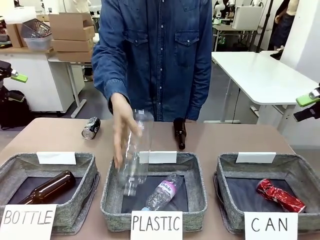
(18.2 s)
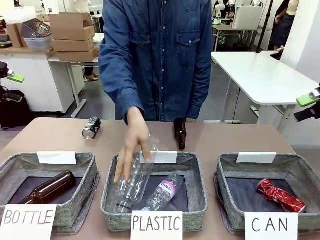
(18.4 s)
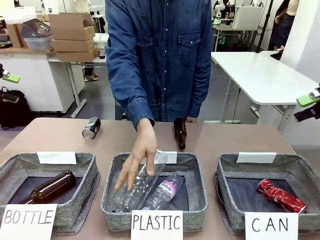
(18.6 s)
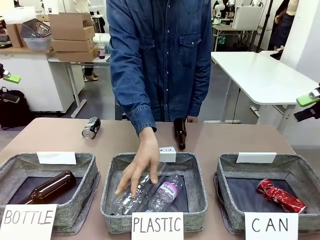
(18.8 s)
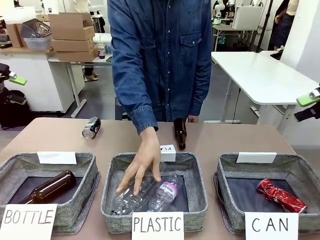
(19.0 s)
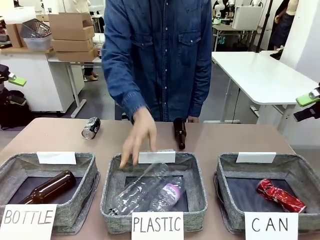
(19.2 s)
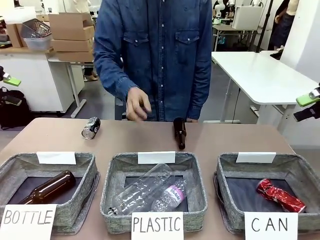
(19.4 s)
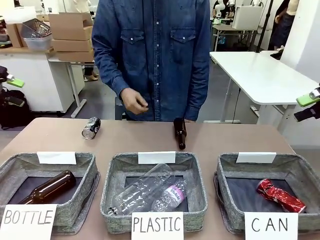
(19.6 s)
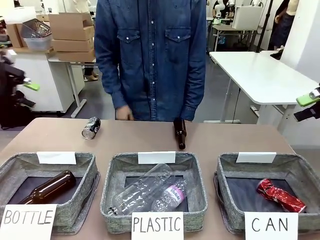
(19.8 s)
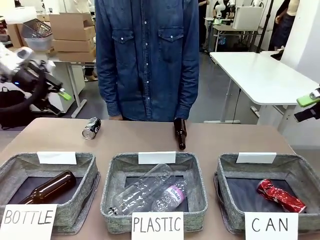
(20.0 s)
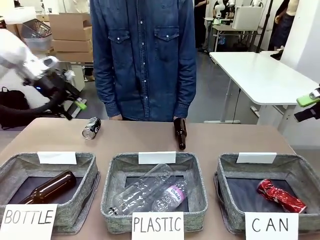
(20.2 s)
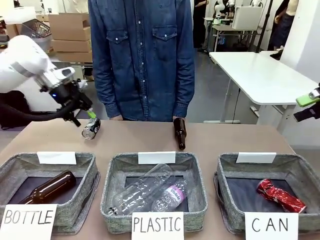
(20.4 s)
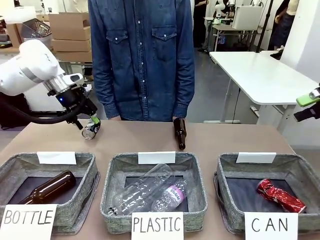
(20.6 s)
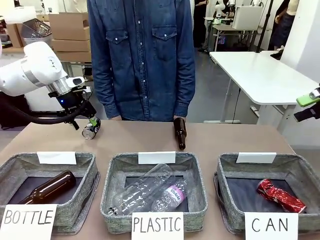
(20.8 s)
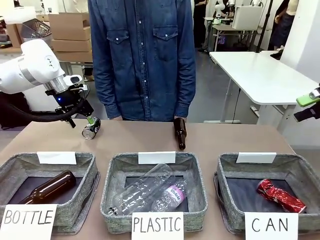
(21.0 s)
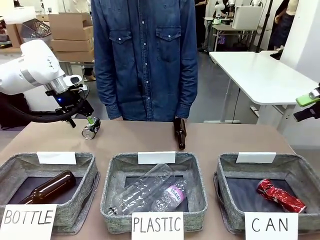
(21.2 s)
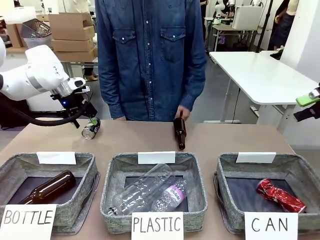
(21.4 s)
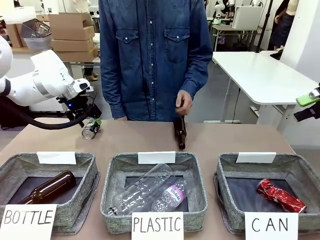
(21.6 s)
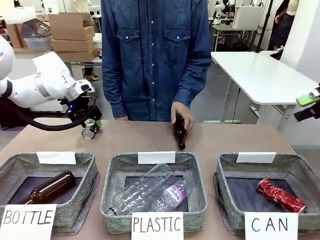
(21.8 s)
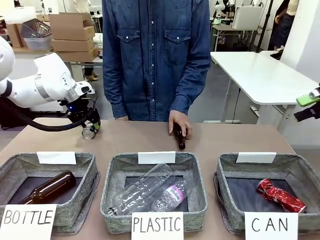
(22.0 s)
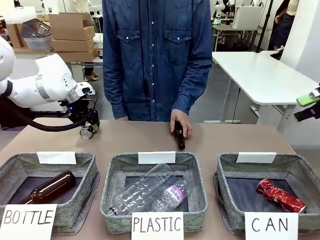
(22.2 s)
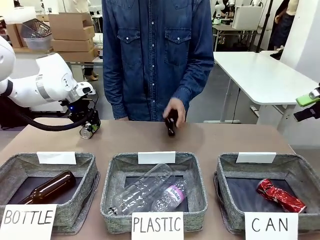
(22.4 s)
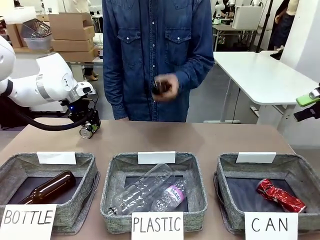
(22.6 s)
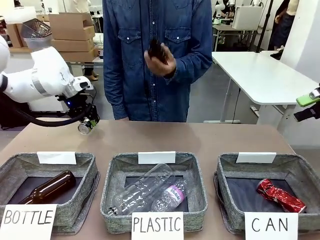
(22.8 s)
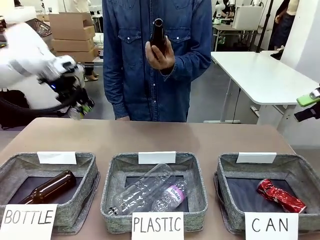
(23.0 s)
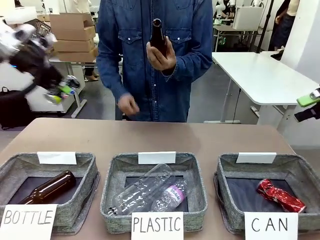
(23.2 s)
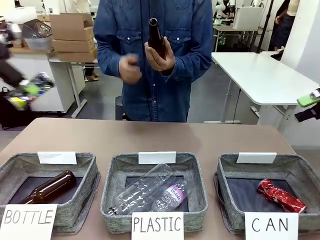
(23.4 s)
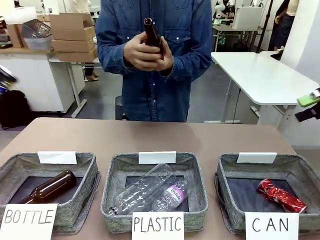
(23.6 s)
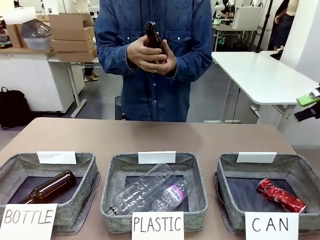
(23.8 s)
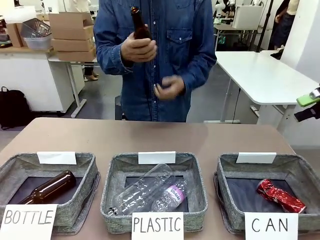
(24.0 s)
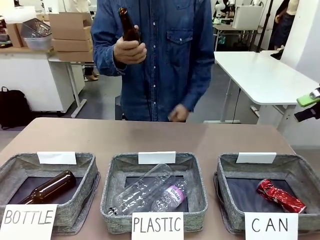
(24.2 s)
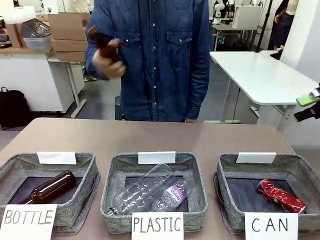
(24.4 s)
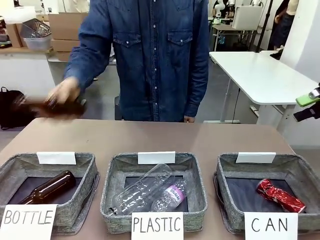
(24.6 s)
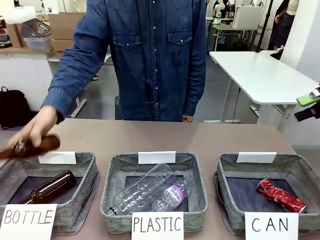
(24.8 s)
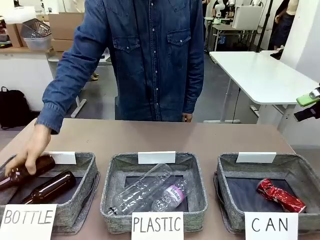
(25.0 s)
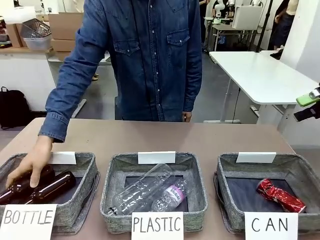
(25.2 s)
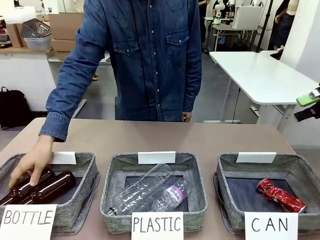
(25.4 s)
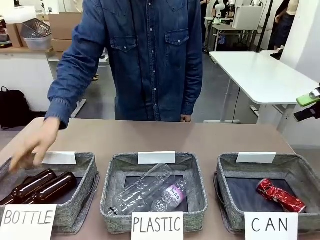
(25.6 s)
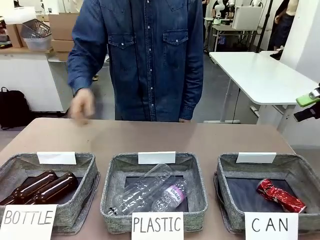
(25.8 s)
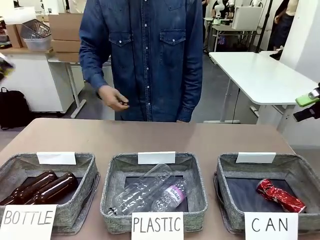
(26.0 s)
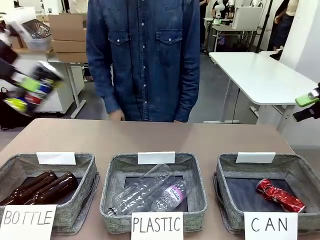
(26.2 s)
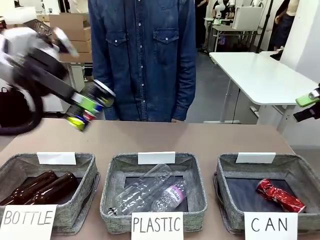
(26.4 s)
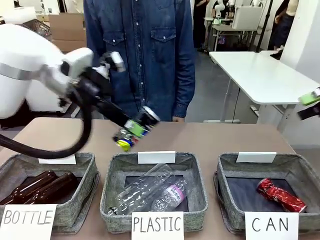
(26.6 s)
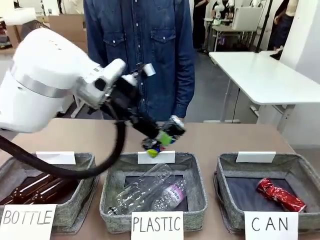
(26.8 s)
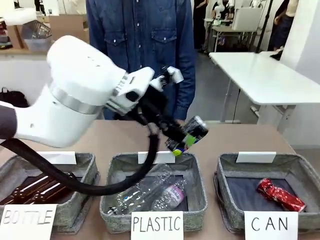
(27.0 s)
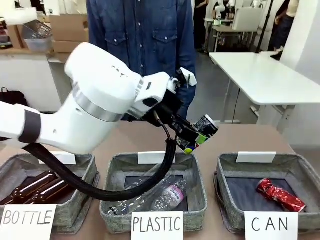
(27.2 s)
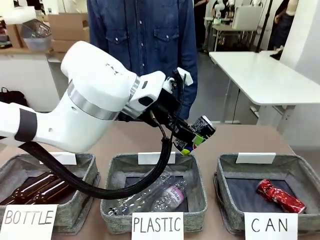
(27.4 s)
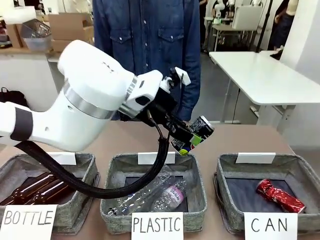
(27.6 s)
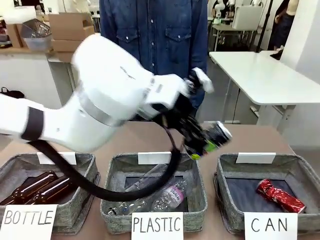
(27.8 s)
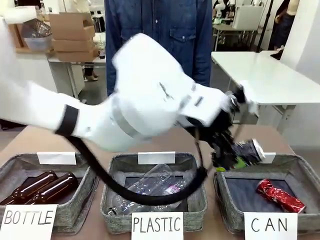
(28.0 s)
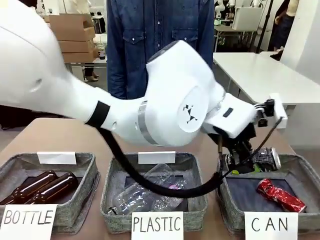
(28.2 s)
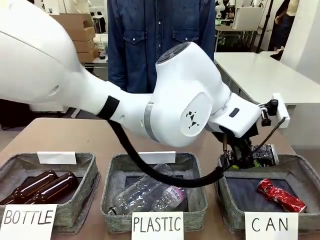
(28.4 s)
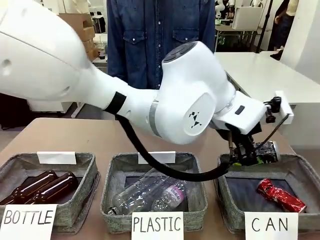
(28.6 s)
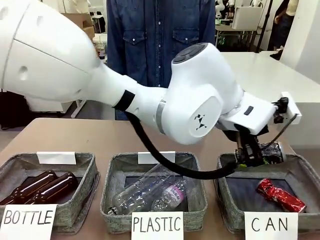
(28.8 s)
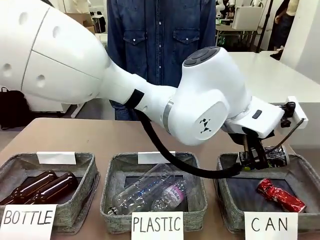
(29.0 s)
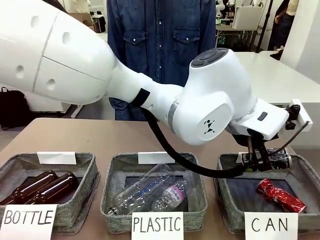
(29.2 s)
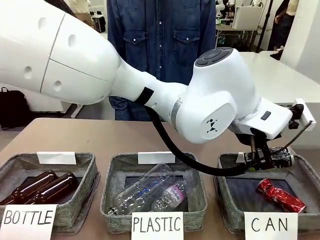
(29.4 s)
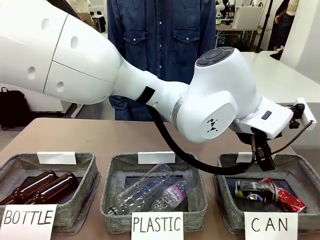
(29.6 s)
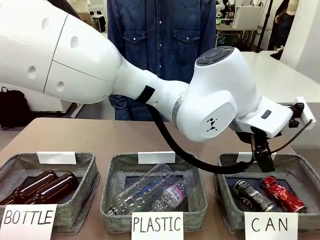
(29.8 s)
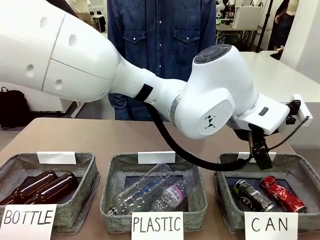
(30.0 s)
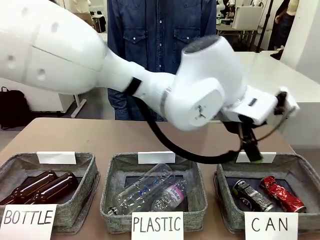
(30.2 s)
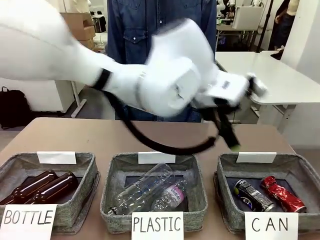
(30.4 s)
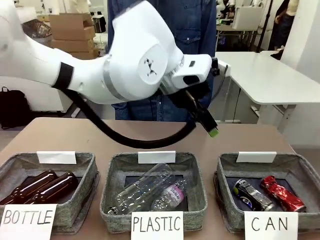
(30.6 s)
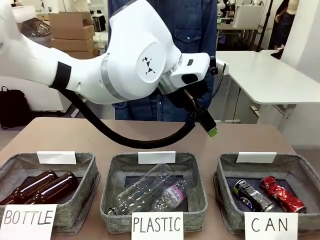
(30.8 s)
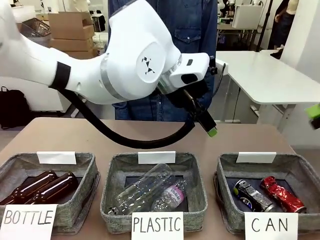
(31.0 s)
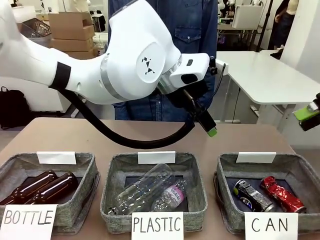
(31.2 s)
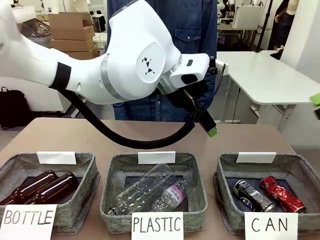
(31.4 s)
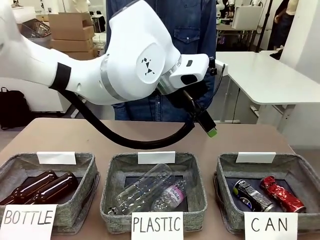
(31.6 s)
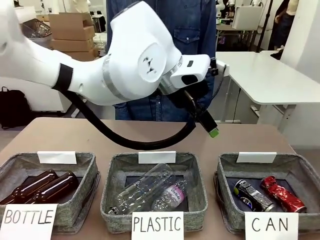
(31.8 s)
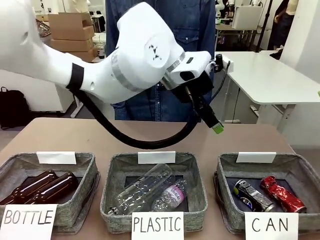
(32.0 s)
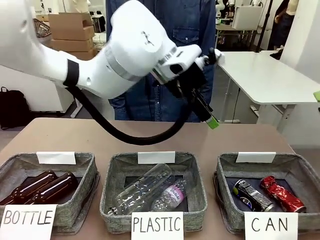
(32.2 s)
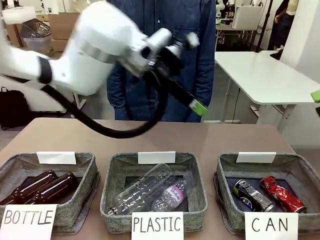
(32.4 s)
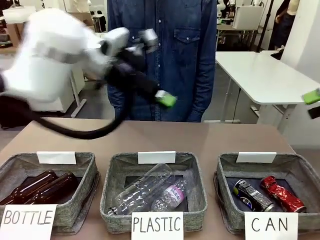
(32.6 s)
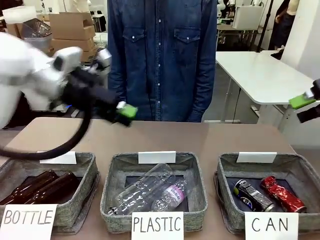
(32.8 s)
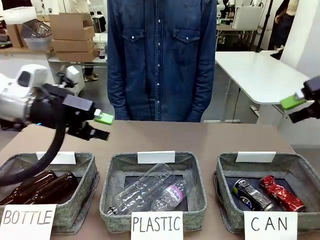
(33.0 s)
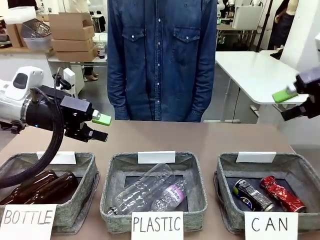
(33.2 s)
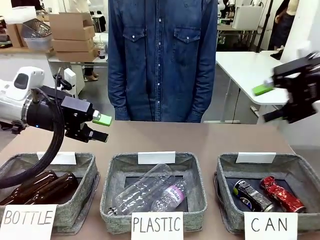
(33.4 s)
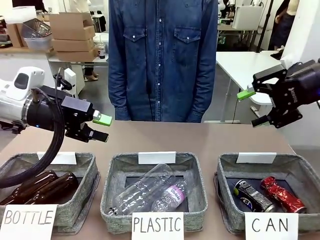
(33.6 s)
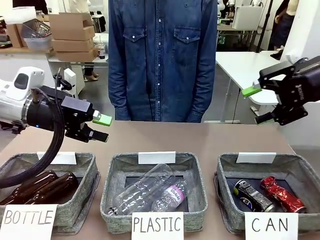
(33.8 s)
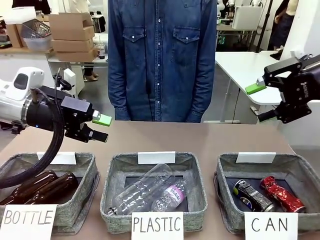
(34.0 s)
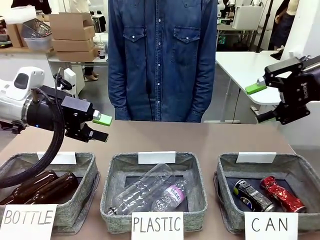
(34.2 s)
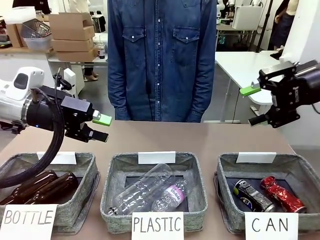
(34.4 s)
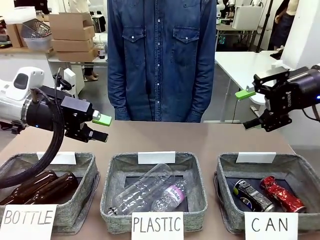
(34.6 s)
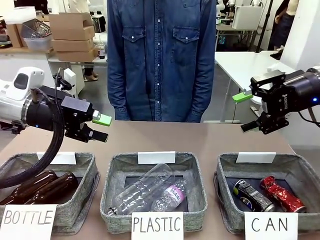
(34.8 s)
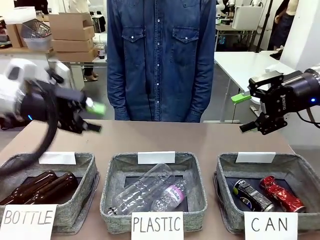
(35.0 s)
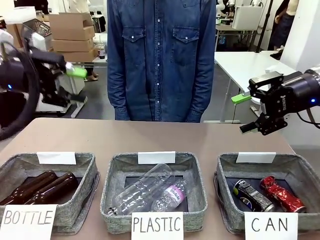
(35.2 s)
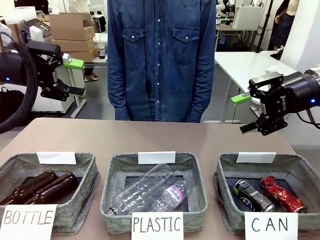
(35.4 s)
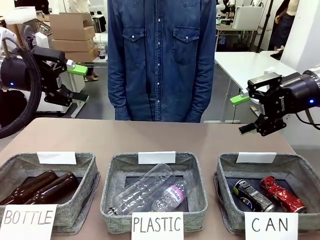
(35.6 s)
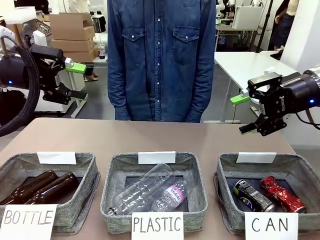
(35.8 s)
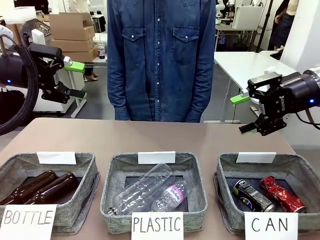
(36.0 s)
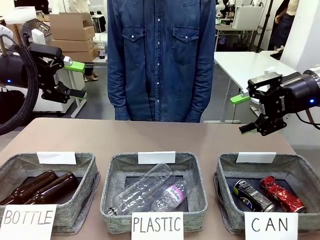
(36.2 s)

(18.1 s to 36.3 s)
Task: Sort the can waste into the basket.
Robot: Pick up the can waste from the table and place it in the right Fabric basket.
Person: The human picks up one piece of trash that is not a can and places the trash into the appropriate organizing basket.
